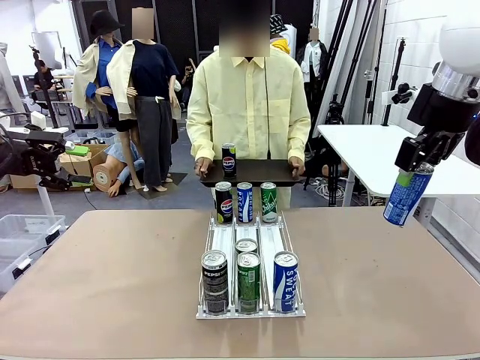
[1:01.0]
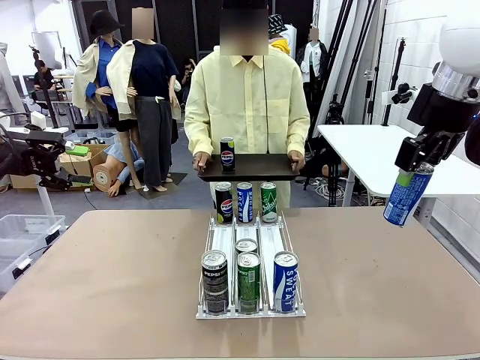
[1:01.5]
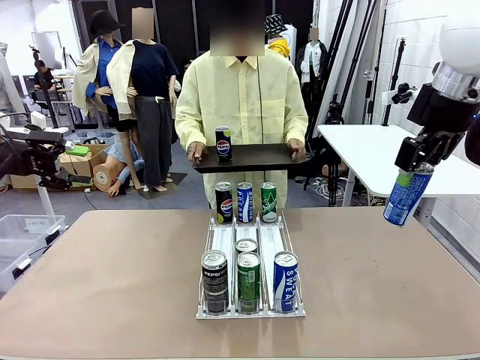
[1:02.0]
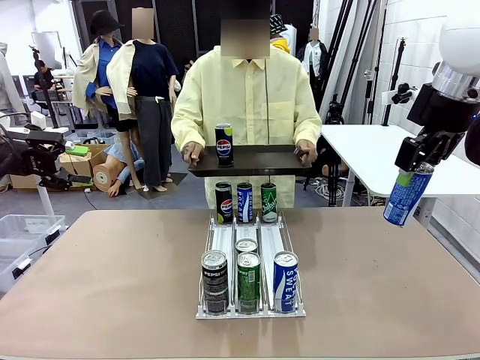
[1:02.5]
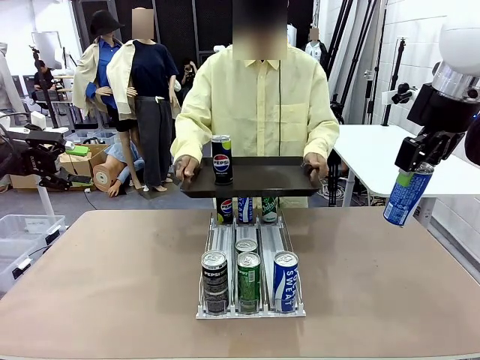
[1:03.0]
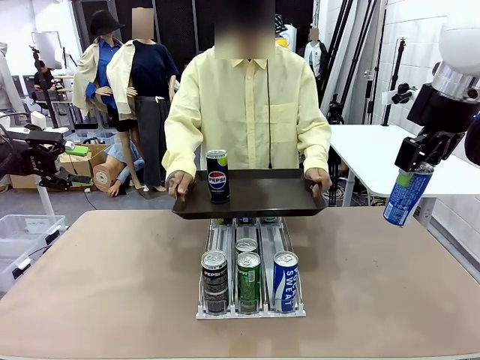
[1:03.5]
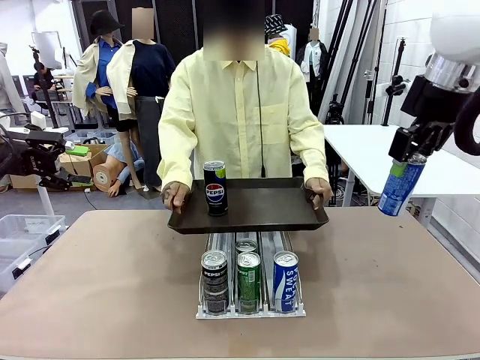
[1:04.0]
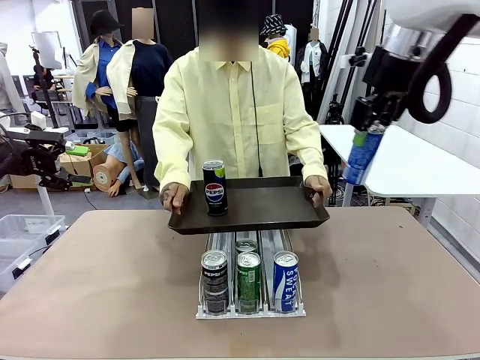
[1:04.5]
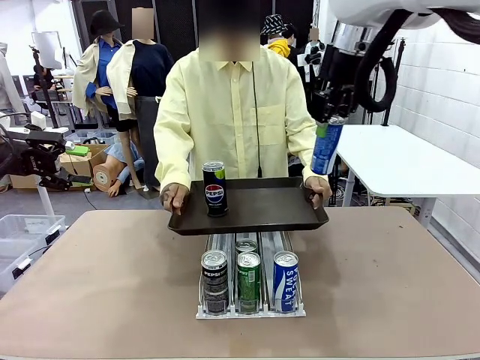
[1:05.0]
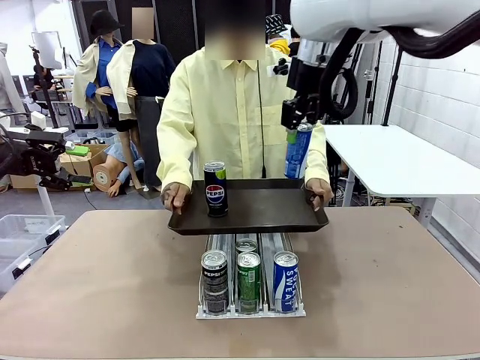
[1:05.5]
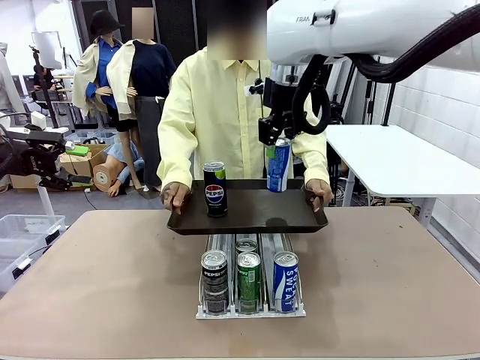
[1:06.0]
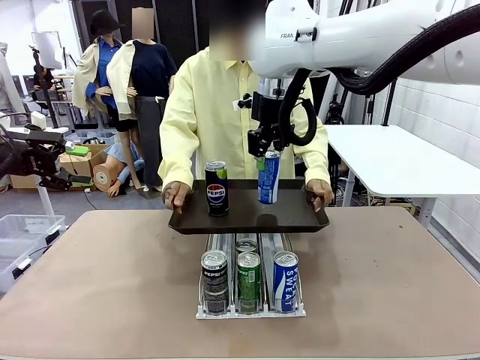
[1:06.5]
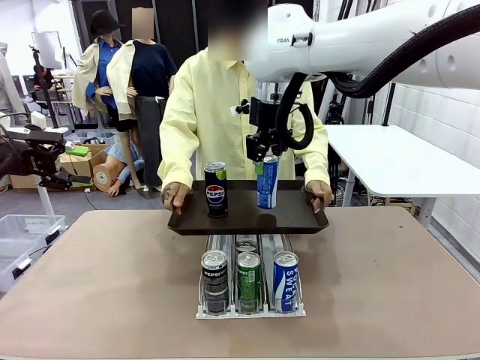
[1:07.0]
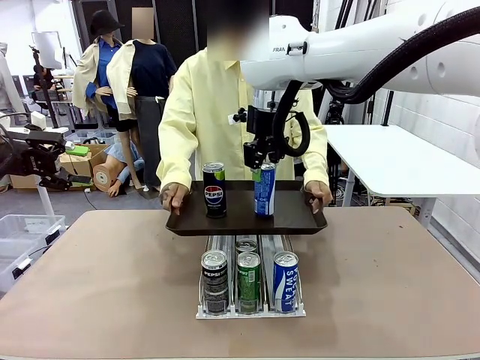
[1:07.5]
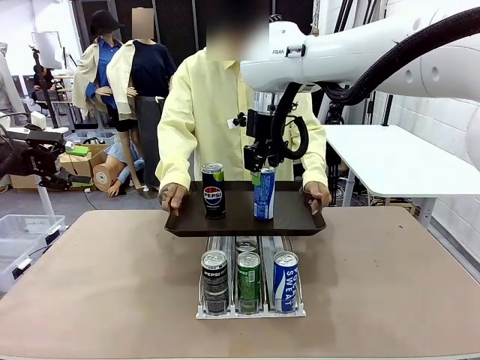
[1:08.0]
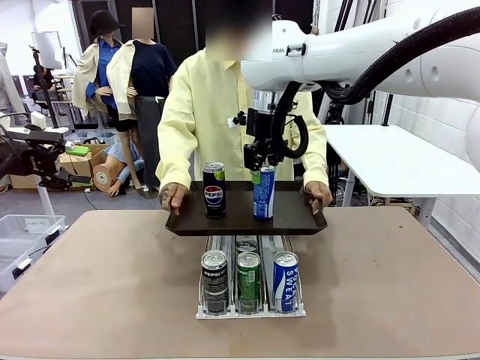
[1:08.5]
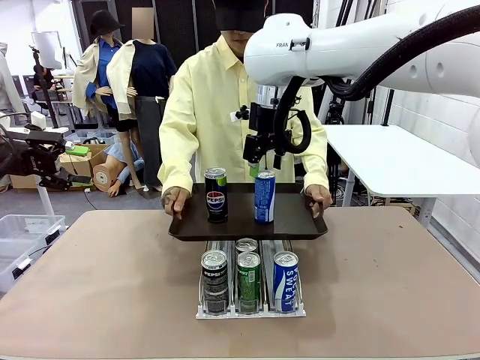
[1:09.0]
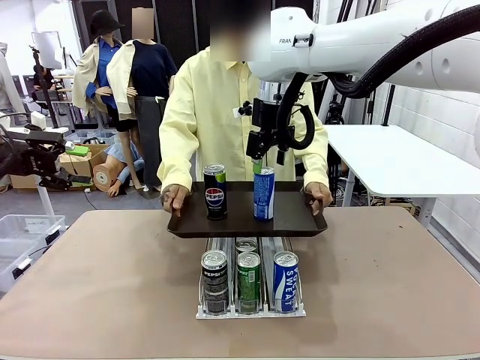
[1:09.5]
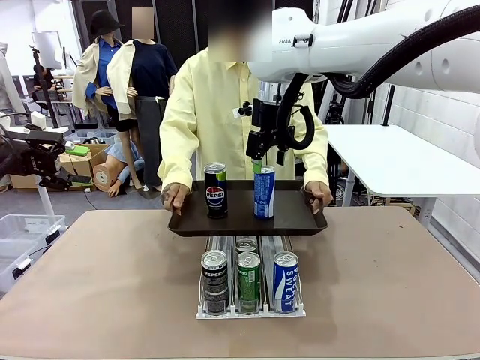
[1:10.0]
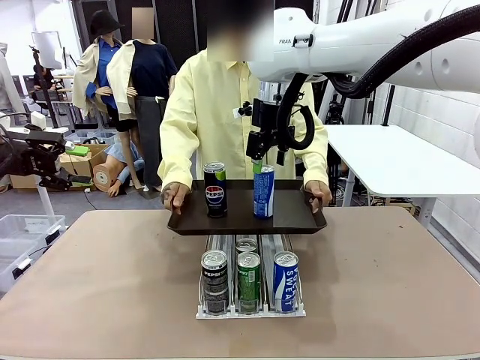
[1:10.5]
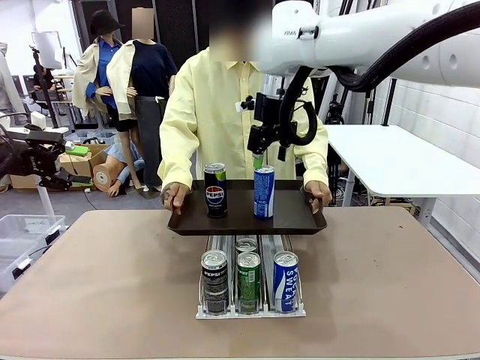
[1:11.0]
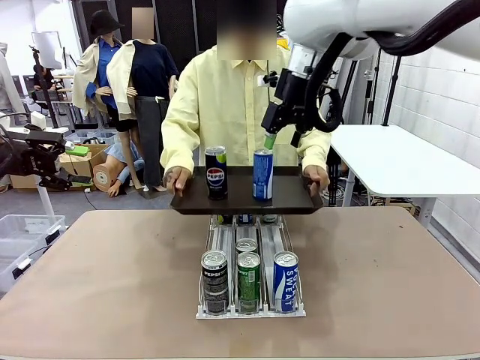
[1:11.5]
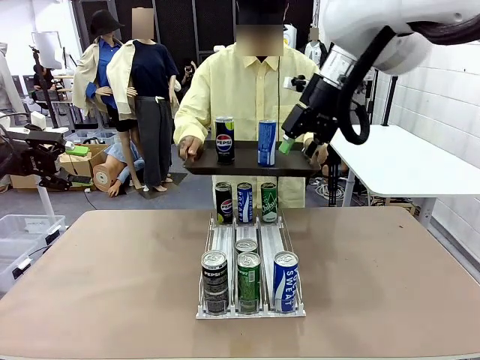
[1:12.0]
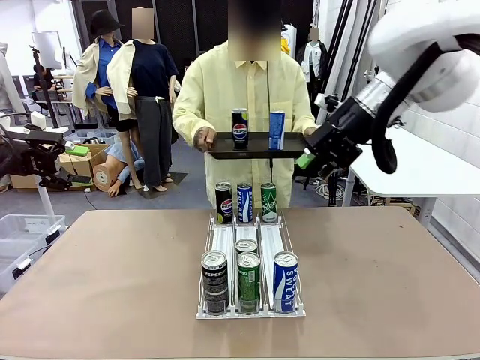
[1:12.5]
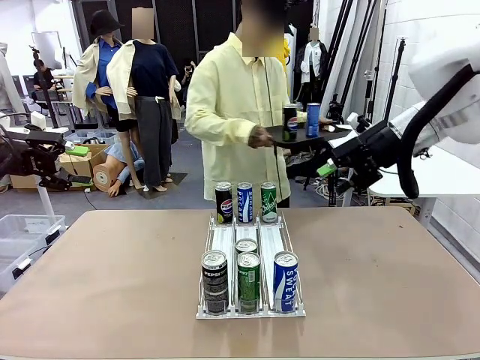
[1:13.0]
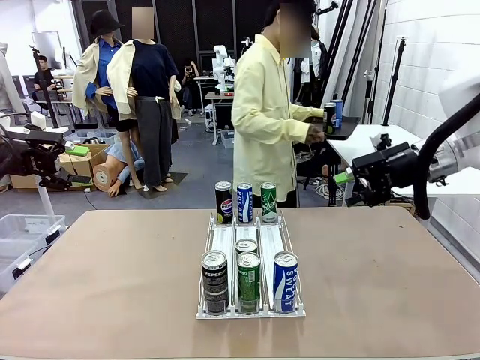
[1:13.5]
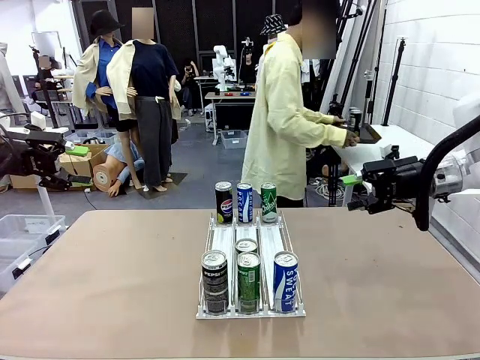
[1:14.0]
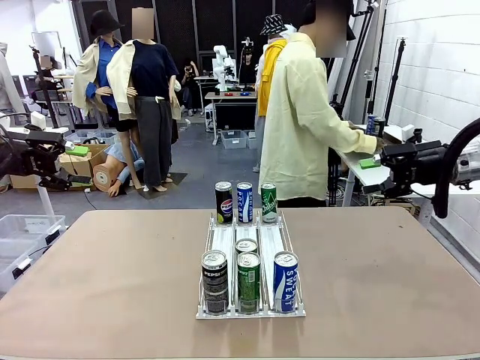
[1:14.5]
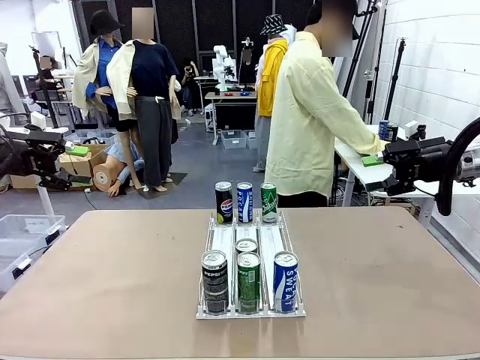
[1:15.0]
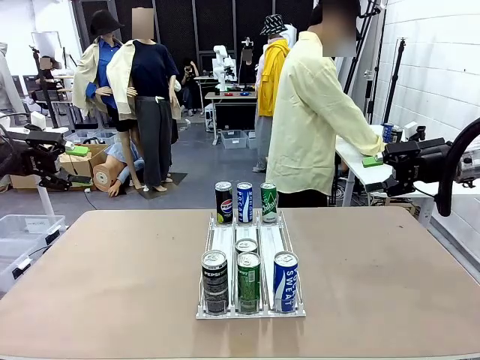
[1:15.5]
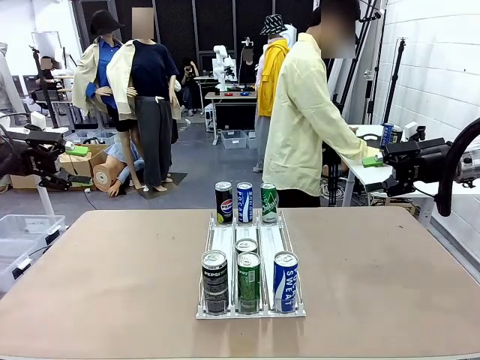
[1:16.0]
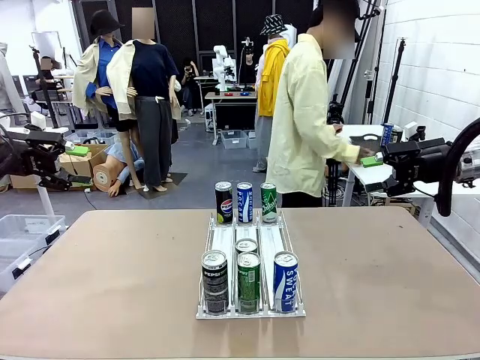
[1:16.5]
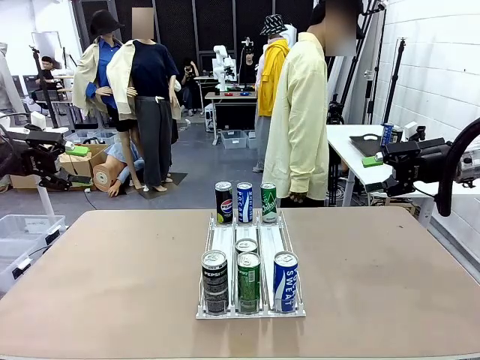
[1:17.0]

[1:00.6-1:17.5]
Task: Retrieve and hand over the desired beverage to the person.
Robot: Place the picked can on the Handle tray extended by the person.
Person: Pull the tray back and place it at the center of the human table.

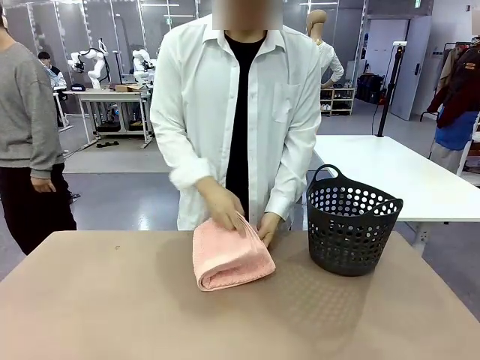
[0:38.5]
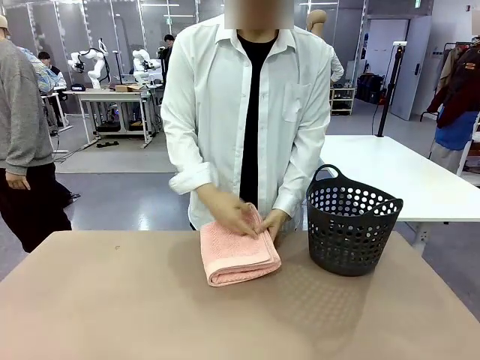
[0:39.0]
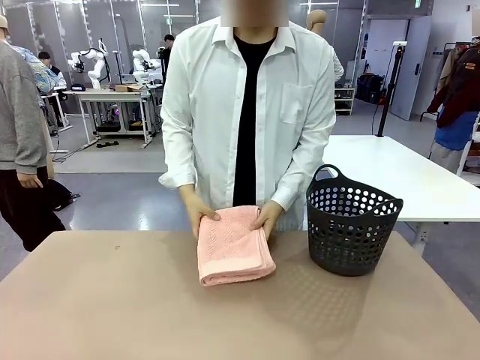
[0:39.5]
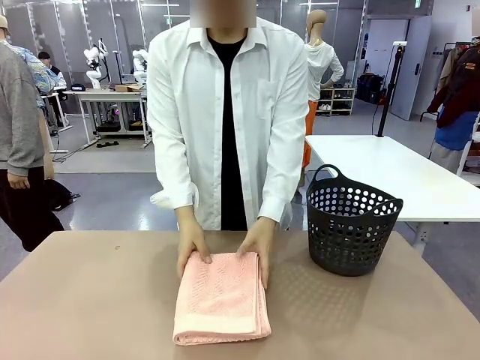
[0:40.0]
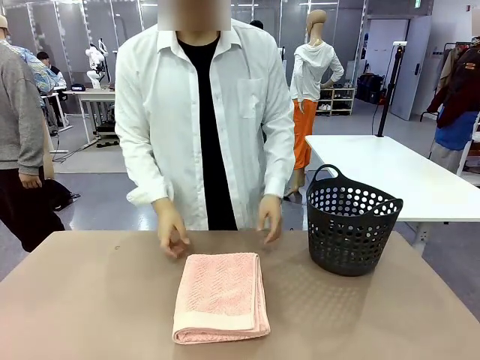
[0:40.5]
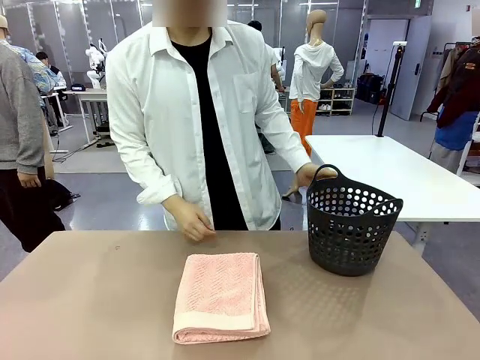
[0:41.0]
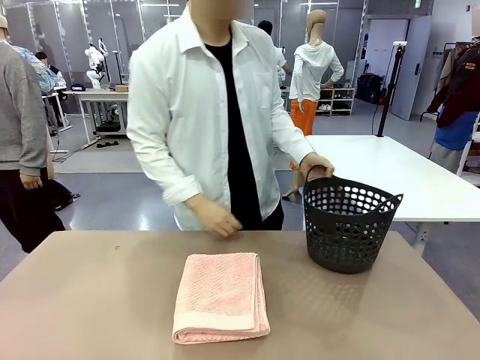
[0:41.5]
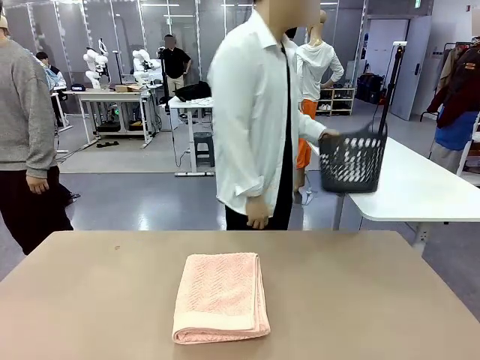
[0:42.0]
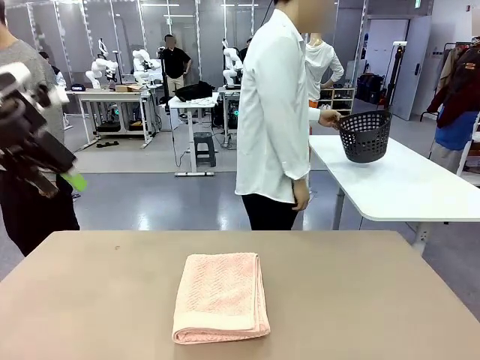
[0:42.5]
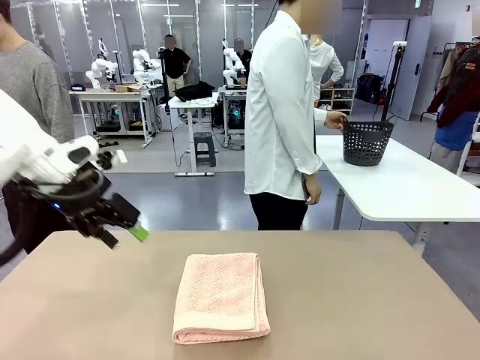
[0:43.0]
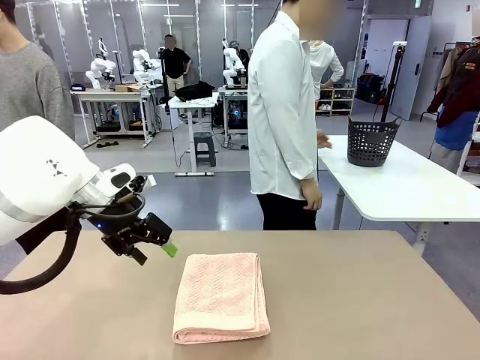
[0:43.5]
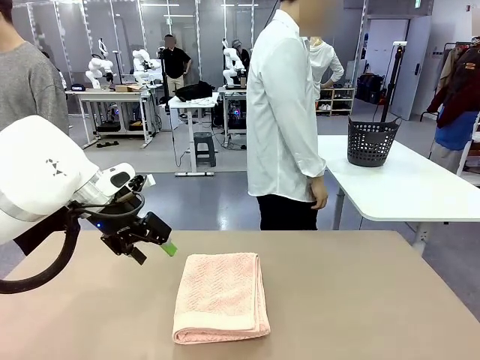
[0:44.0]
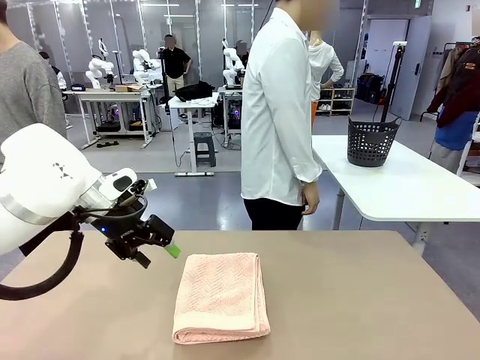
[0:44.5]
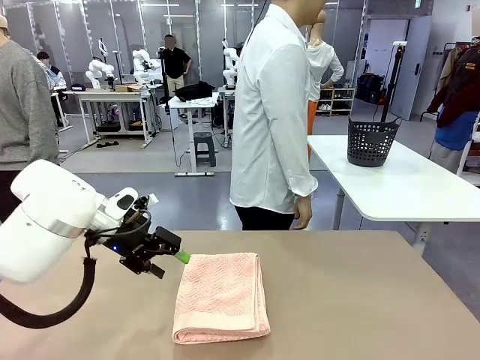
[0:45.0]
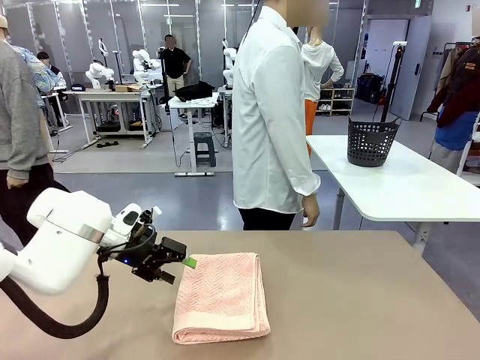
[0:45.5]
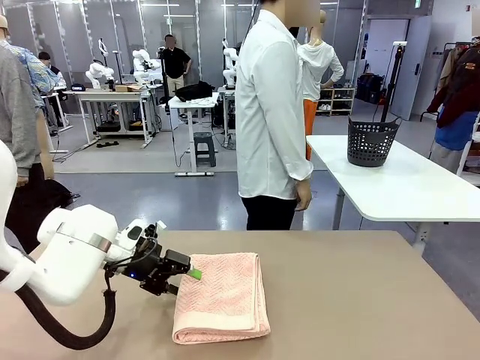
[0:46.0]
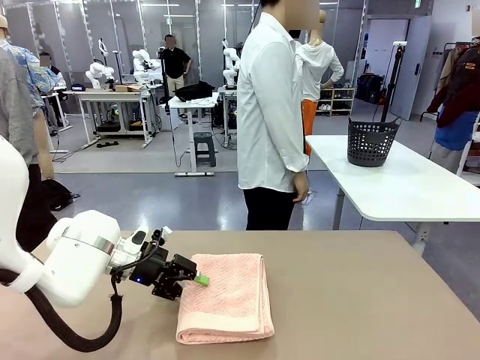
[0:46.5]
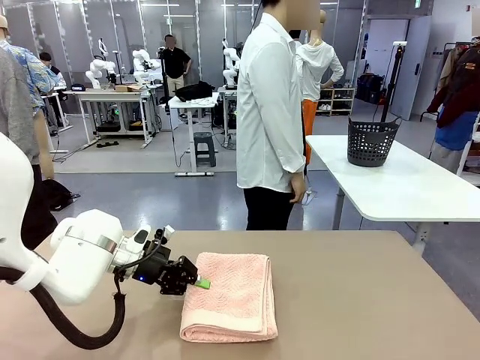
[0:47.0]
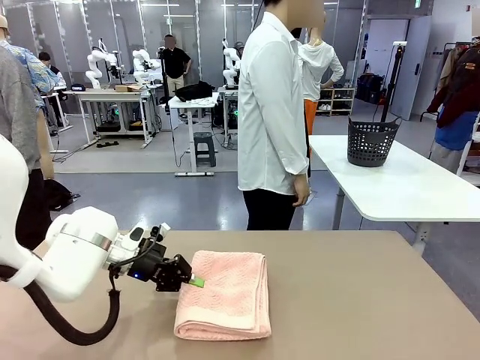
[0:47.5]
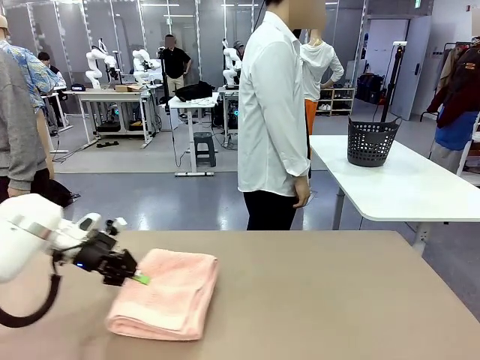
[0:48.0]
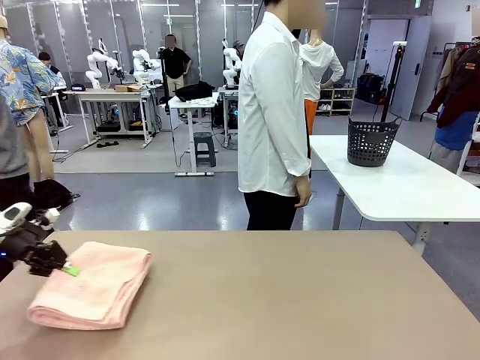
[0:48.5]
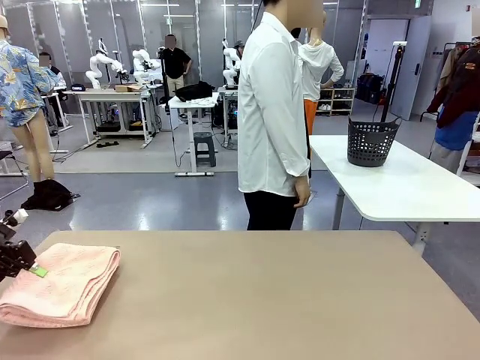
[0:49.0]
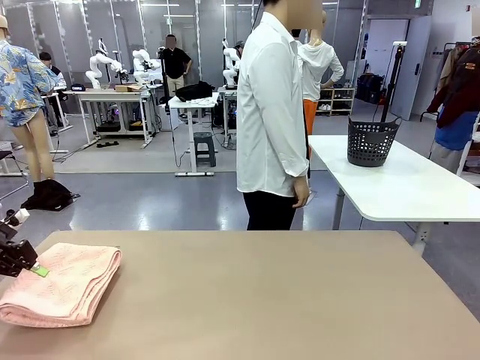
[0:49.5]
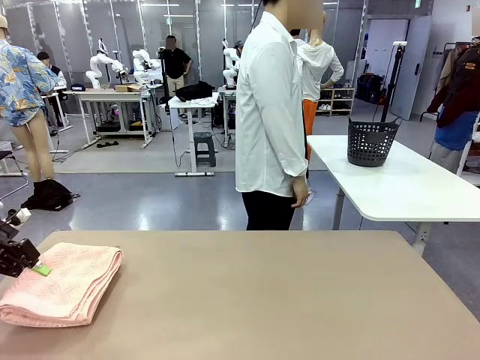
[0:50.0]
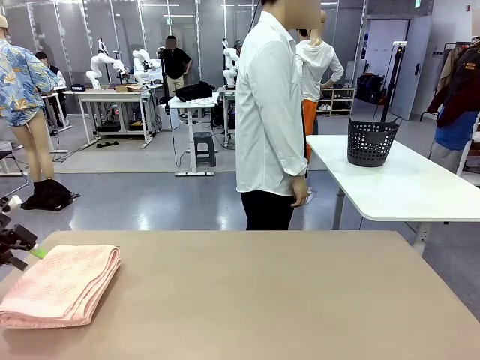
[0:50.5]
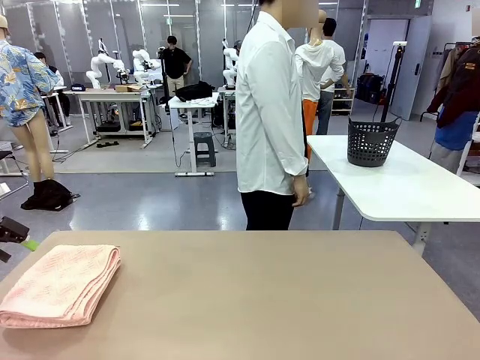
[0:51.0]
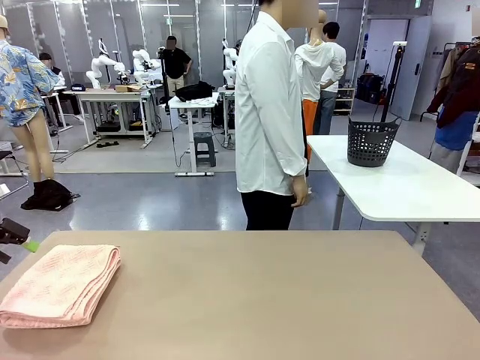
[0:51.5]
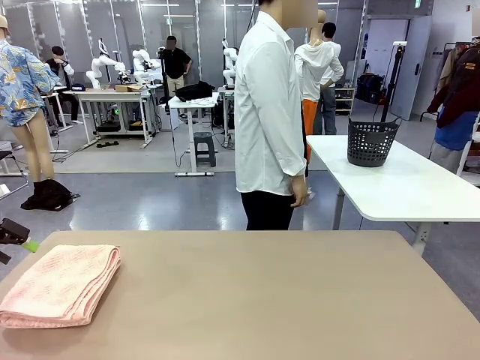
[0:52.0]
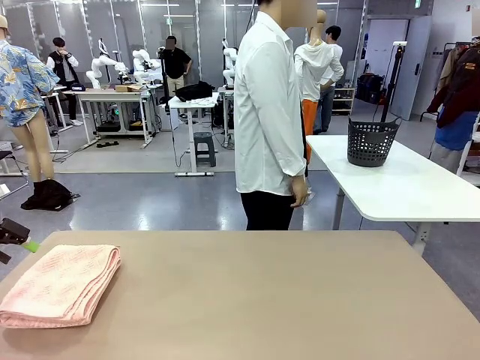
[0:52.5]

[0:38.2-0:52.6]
Task: Fold the towel.
Robot: Pick up the 100 cm Hotel Towel and place it on the left side of the table.
Person: Pick up the laundry basket and place it at the center of the human table.
